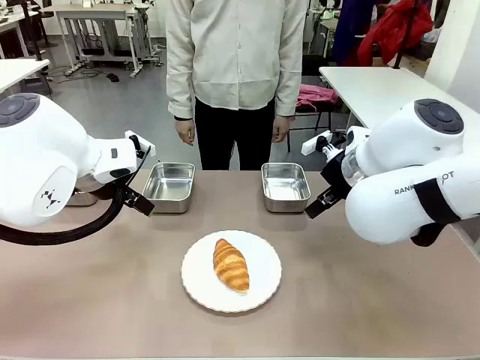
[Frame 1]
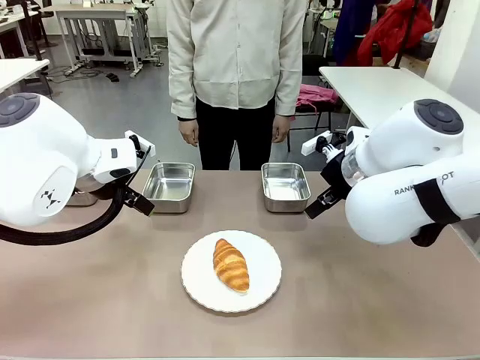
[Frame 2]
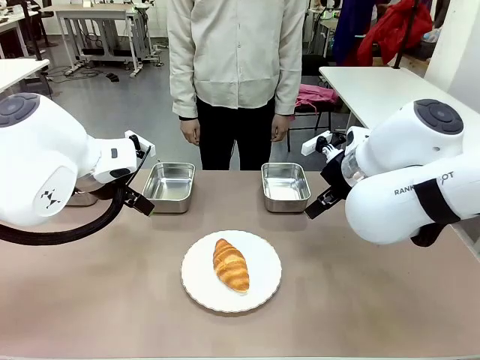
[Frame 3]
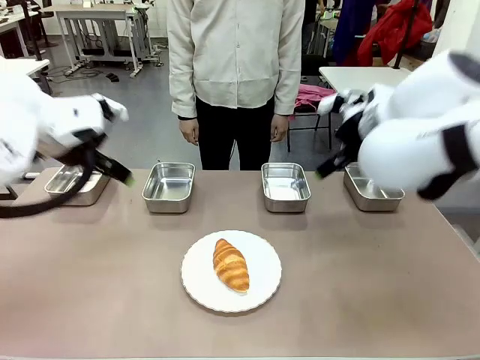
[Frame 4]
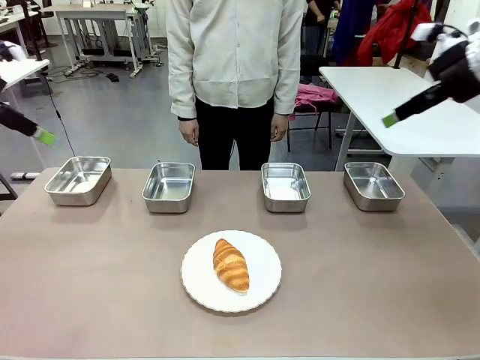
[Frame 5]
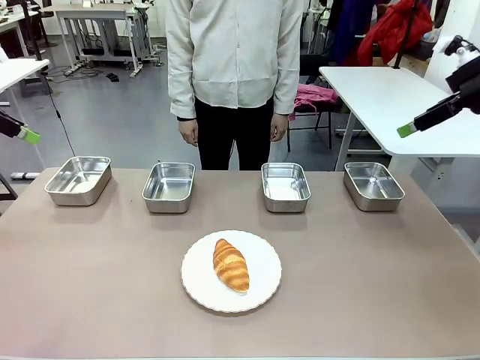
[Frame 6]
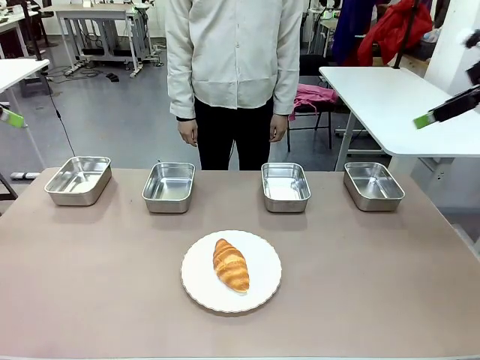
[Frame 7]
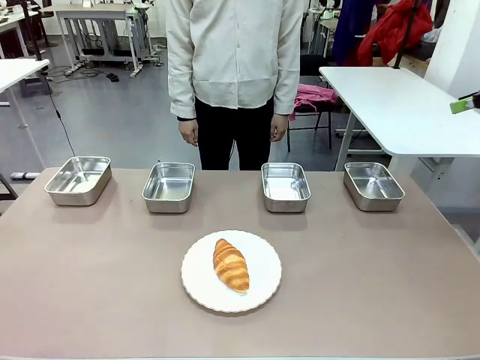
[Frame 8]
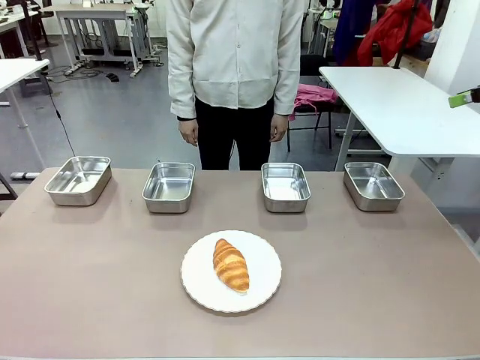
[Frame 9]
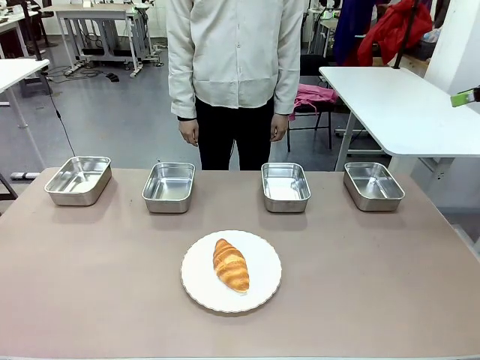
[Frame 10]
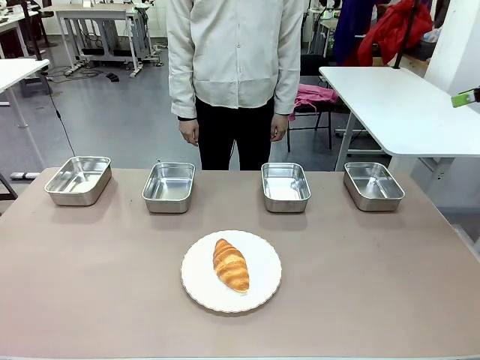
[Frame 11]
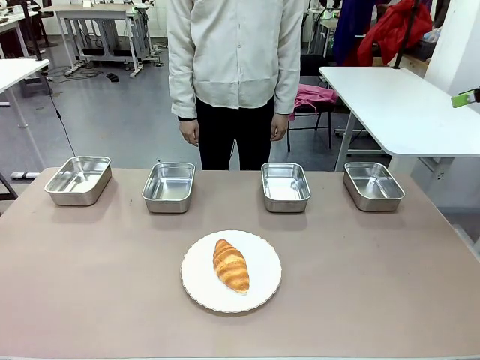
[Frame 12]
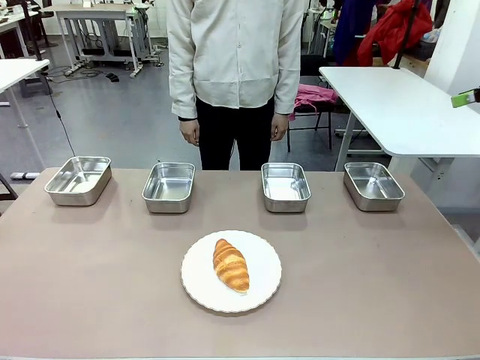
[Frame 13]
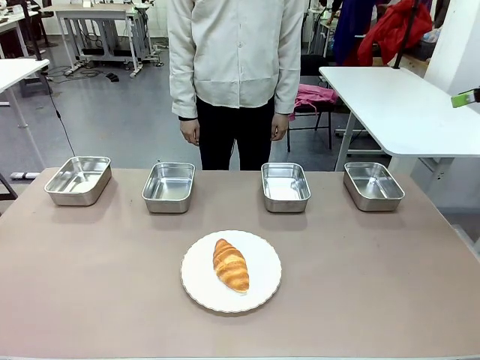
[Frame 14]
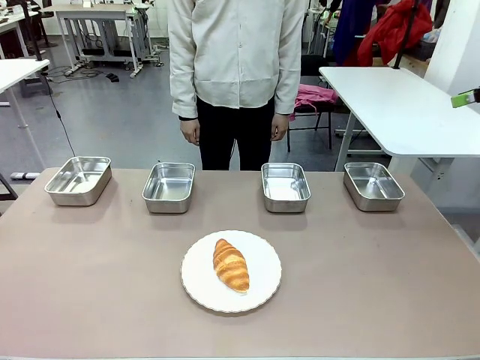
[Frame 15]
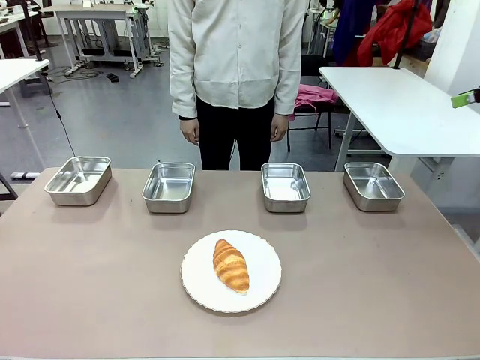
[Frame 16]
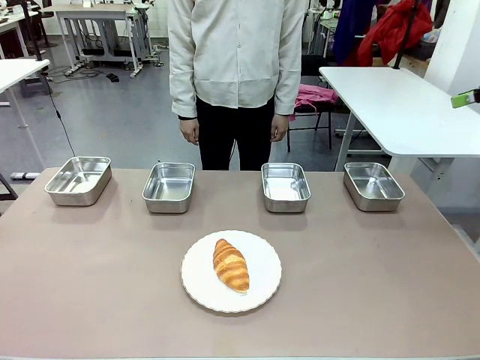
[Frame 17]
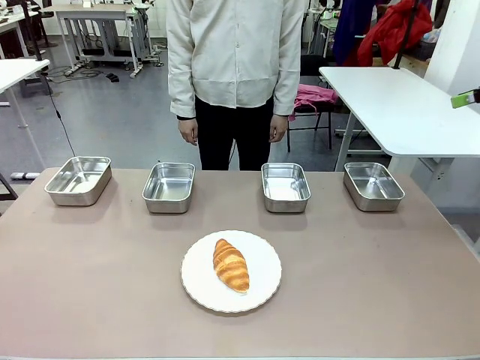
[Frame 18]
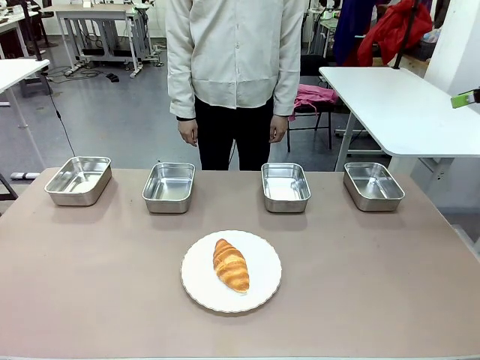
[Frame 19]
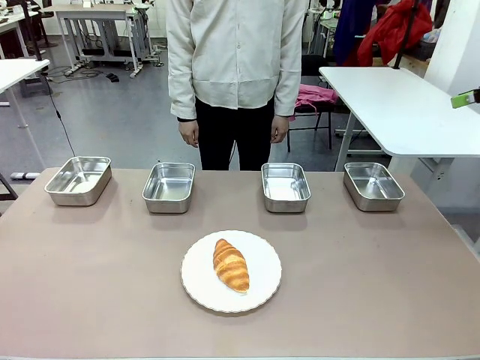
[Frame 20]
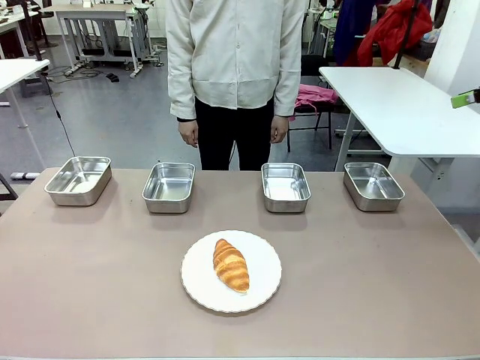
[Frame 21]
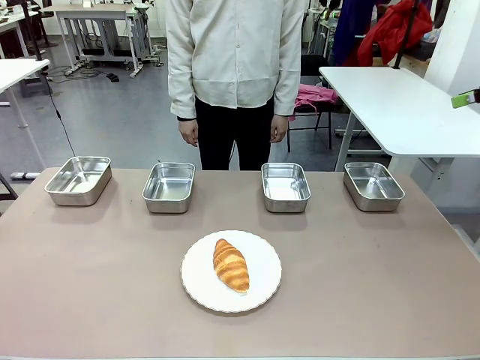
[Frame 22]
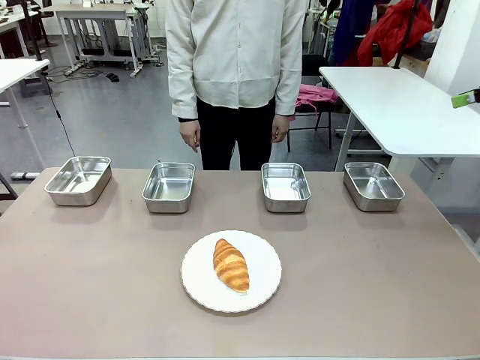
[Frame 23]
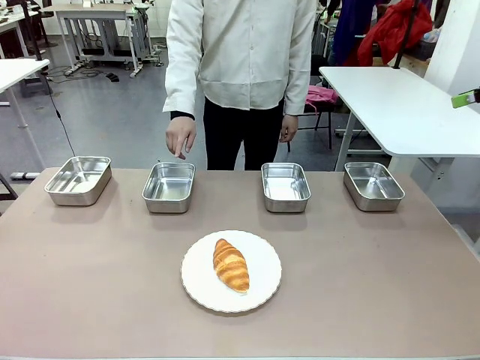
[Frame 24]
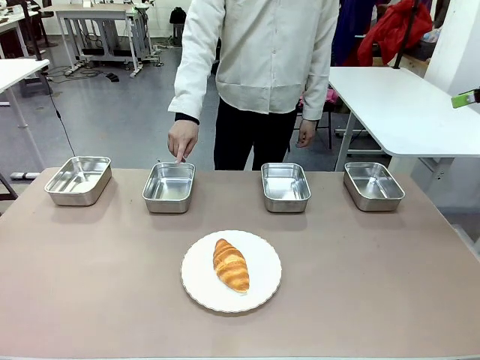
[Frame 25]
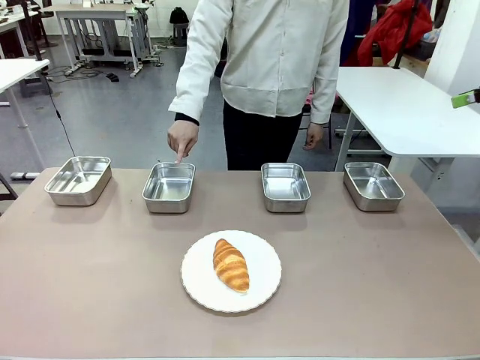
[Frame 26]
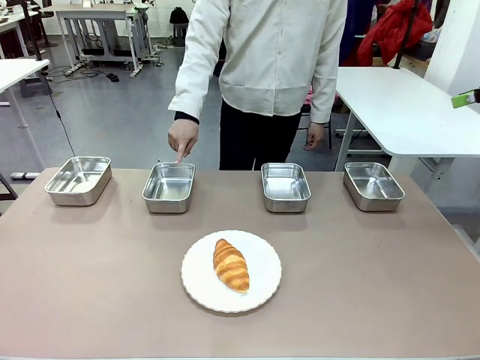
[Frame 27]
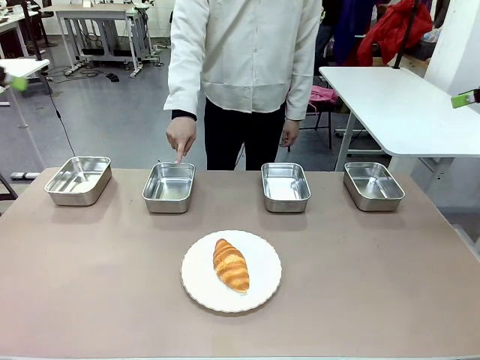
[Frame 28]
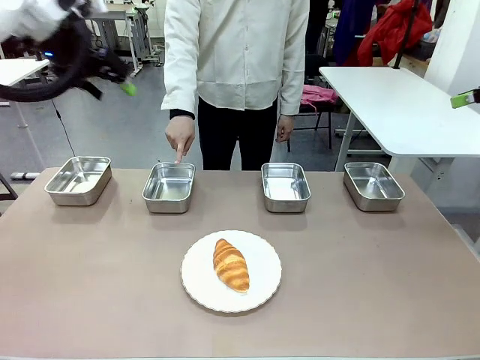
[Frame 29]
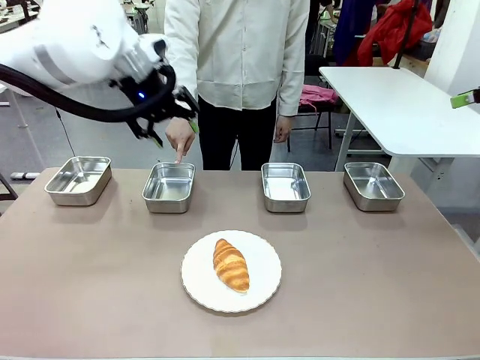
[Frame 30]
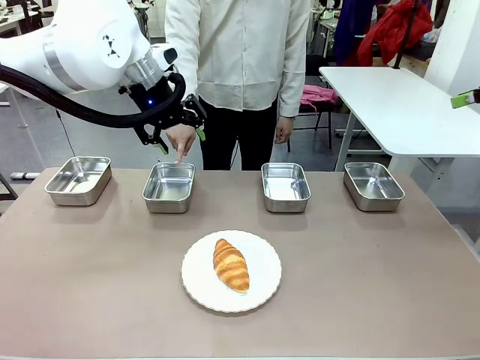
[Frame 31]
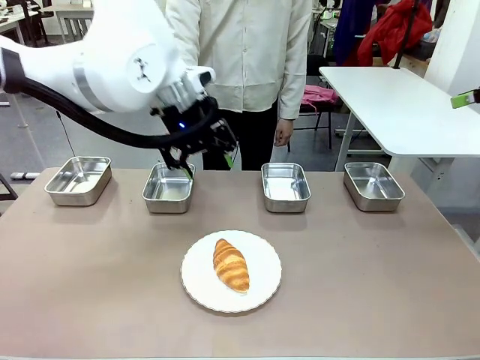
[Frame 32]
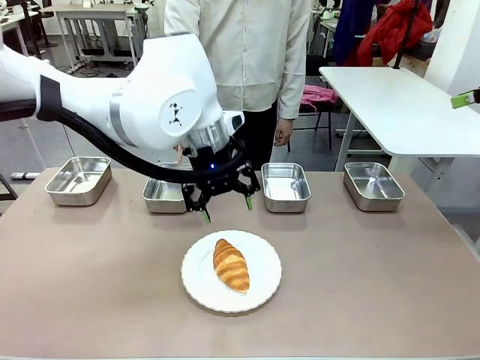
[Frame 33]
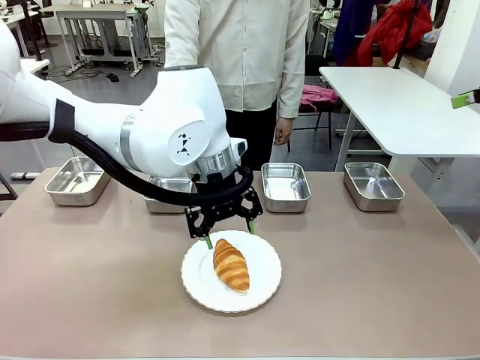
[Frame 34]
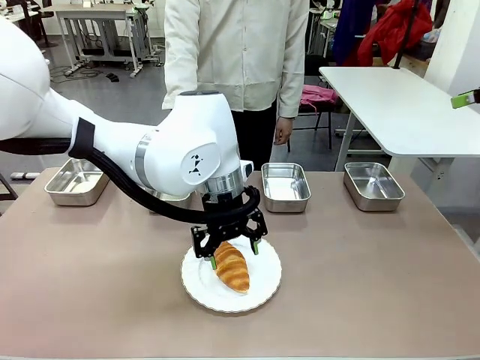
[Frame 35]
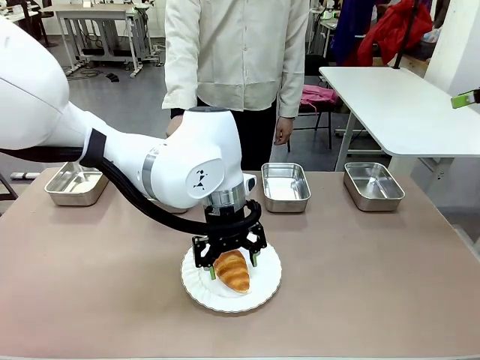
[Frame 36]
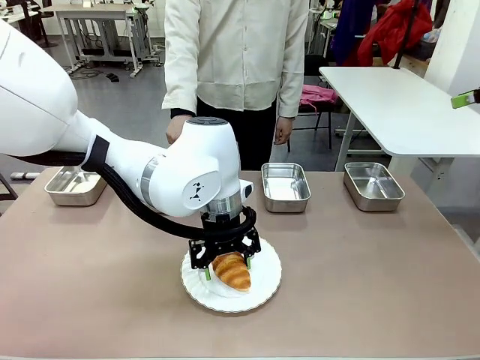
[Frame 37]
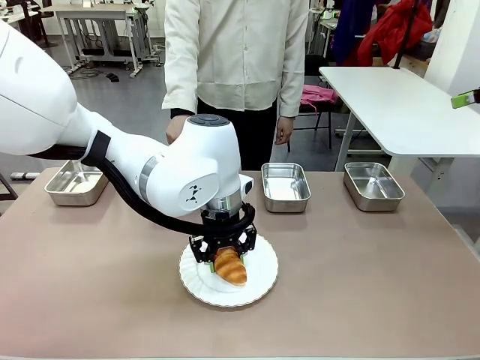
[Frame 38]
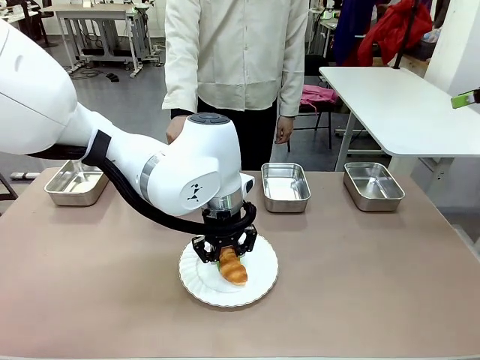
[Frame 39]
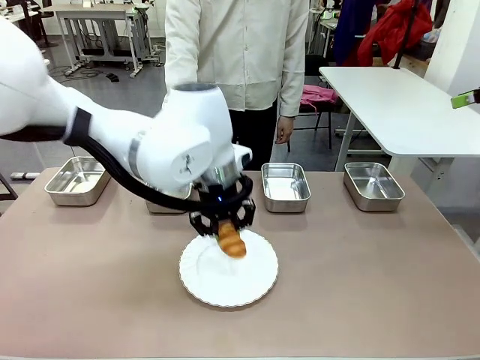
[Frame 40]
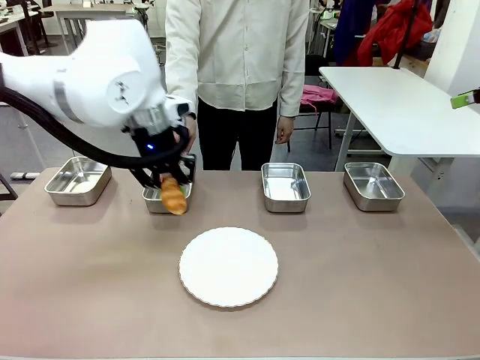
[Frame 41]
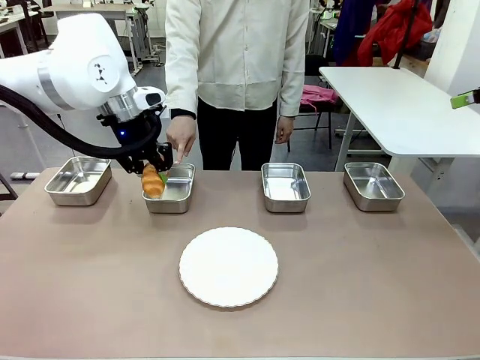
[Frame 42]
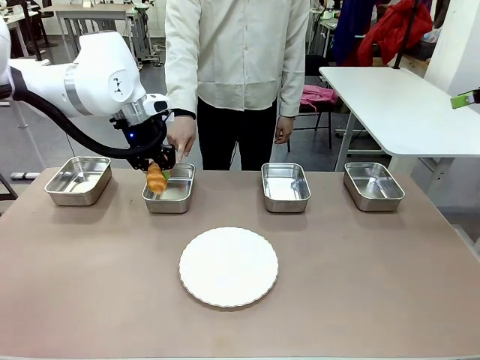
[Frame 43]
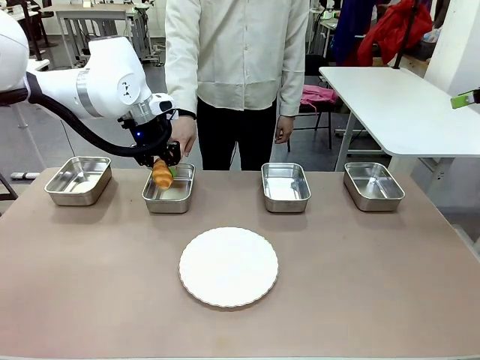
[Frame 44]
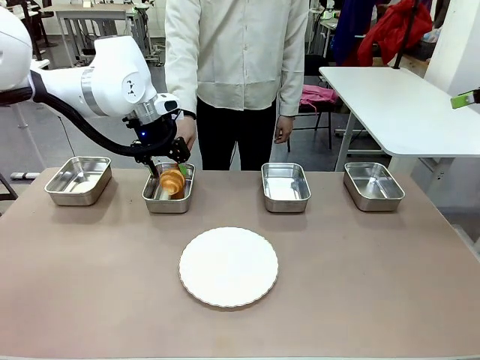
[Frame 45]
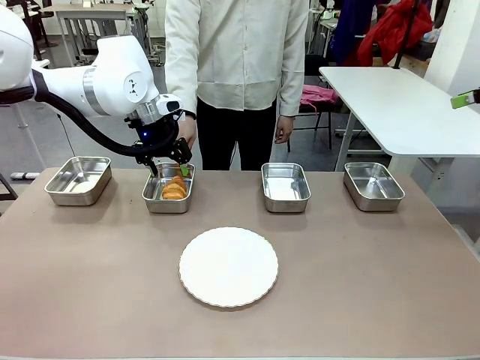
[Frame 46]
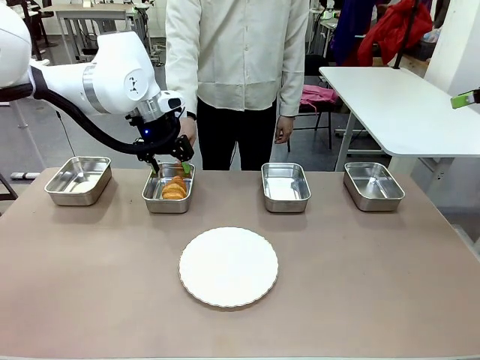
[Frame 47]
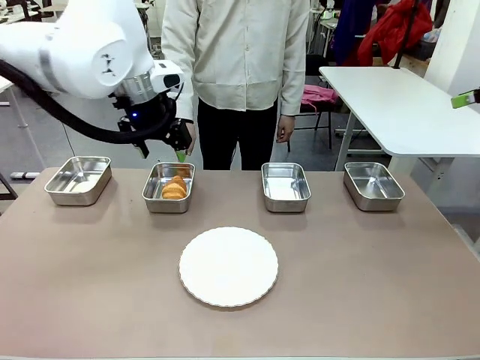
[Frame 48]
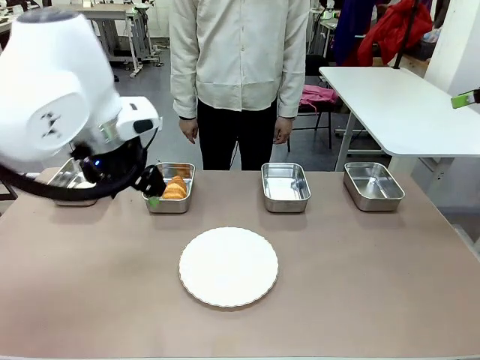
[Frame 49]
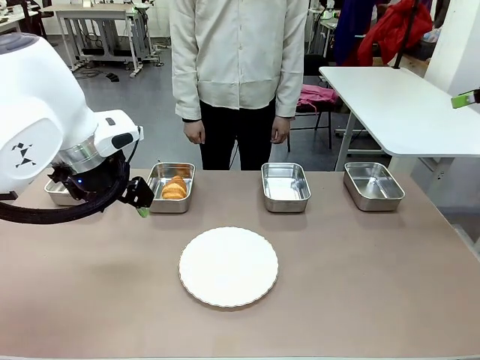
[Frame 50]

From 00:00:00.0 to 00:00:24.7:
Task: Place the bread in the container.
Robot: Place the Butter Roll into the Airtight Container indicated by the human.
Person: A person randomly selects and points to an Airtight Container.
